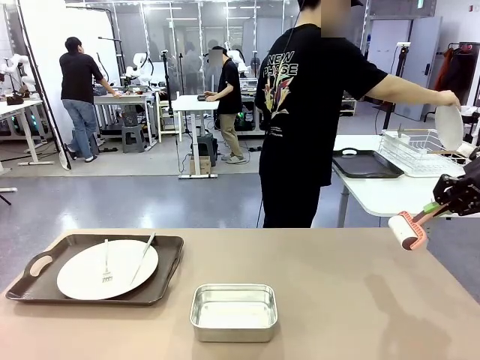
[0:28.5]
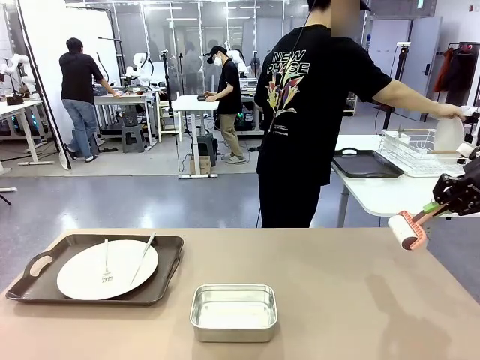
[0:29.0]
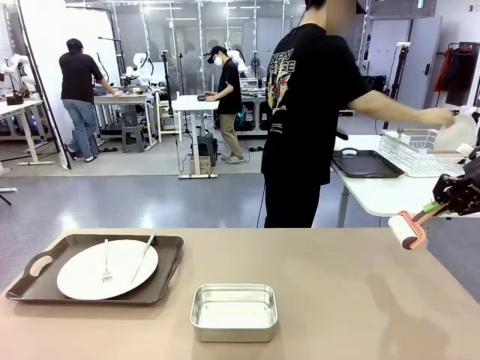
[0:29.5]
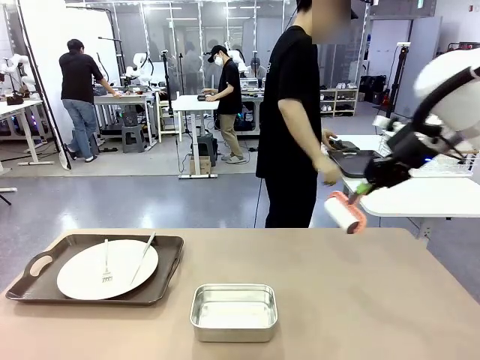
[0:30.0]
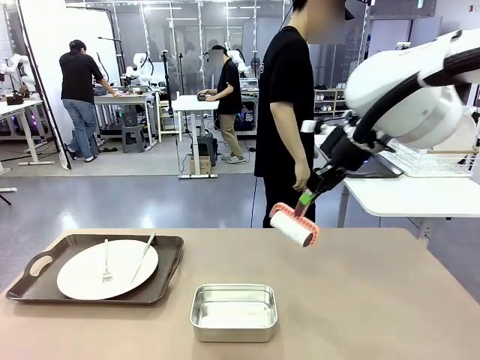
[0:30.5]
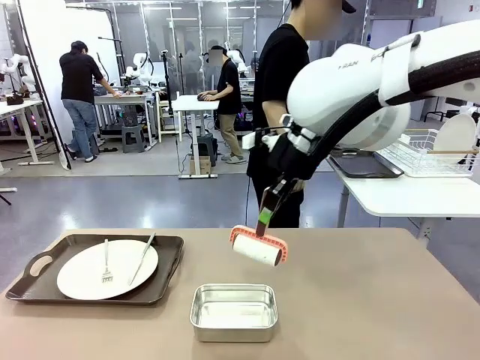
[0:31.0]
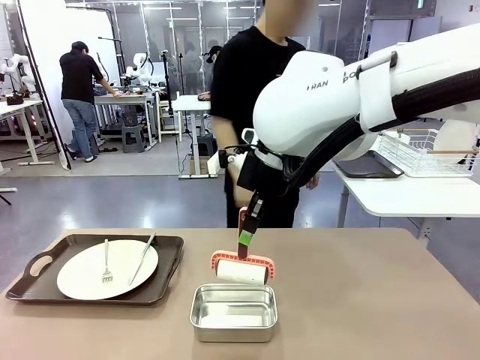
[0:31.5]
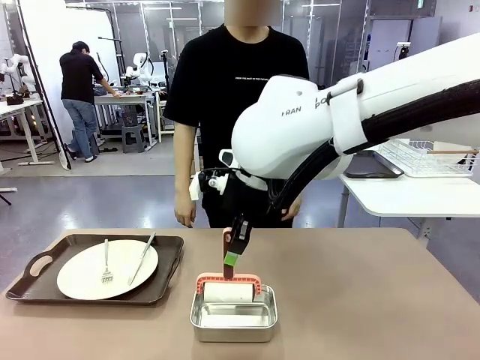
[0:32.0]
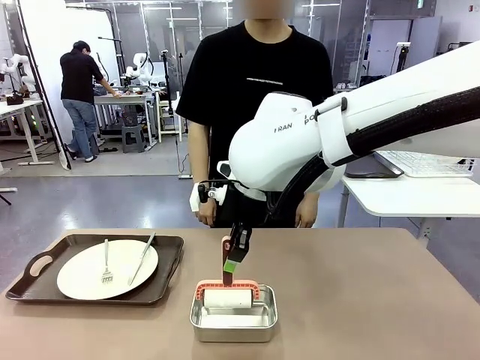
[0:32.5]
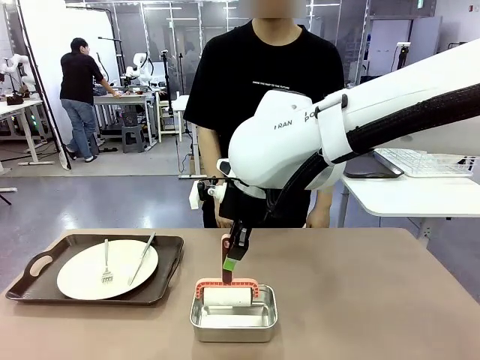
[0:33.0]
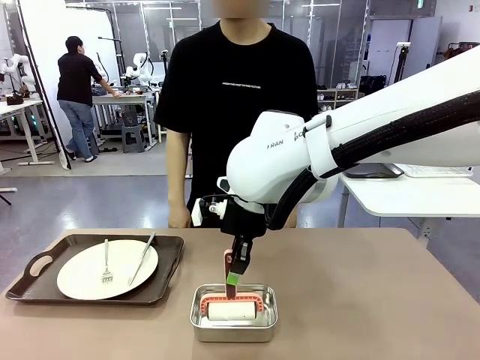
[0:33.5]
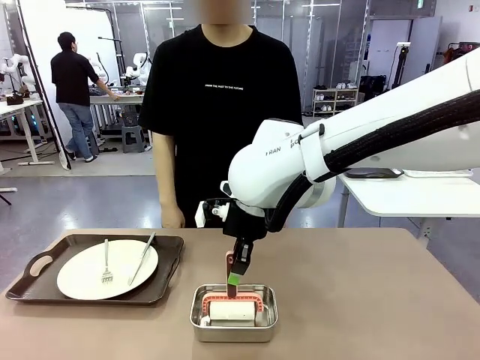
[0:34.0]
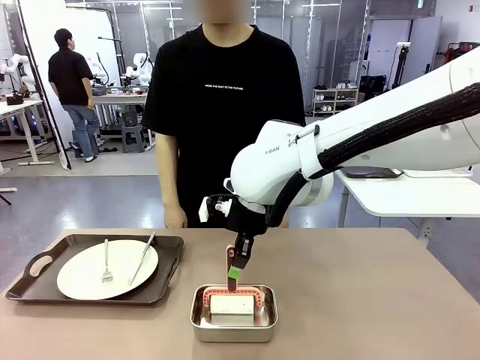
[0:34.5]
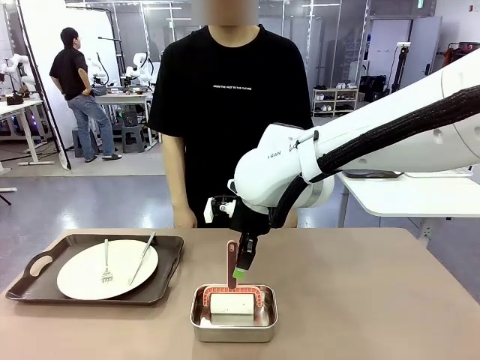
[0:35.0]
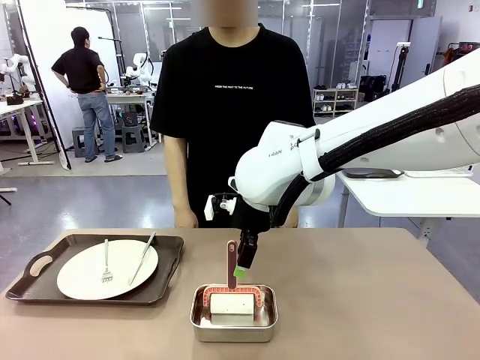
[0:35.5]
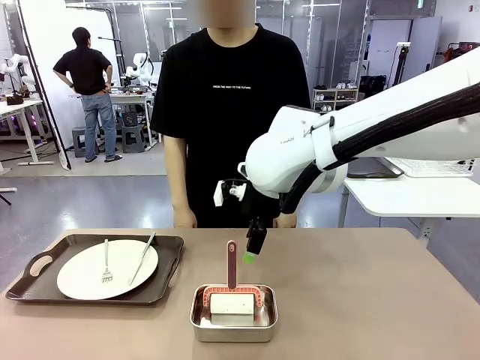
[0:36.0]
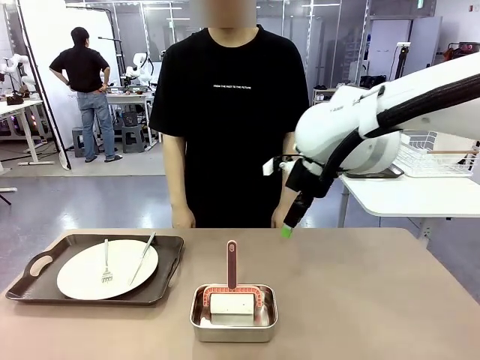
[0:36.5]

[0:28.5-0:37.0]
Robot: Place the Lint Roller back on top of the Airtight Container.

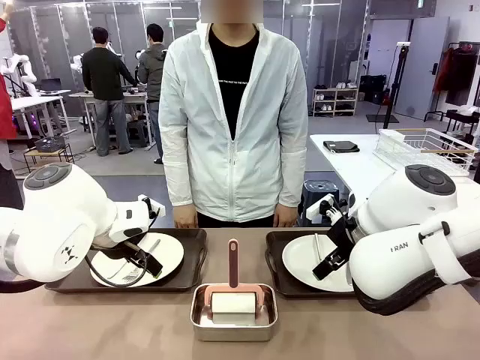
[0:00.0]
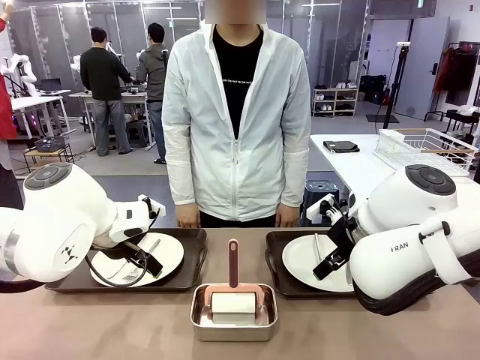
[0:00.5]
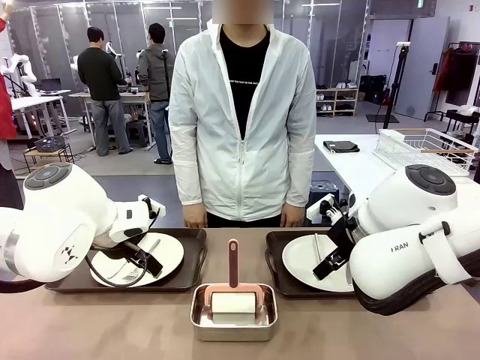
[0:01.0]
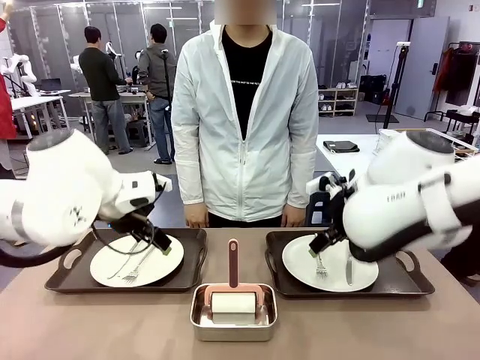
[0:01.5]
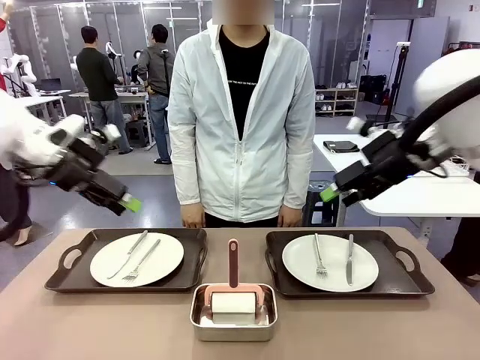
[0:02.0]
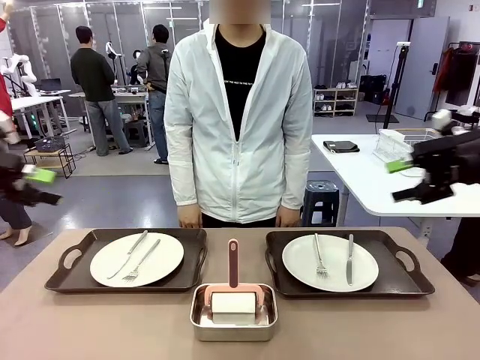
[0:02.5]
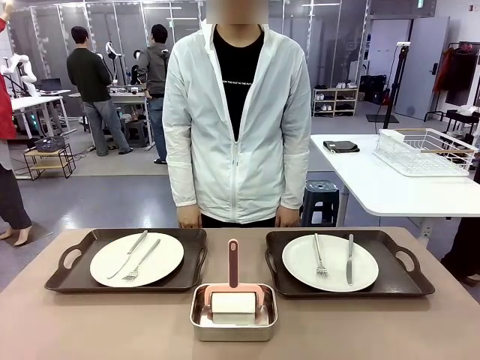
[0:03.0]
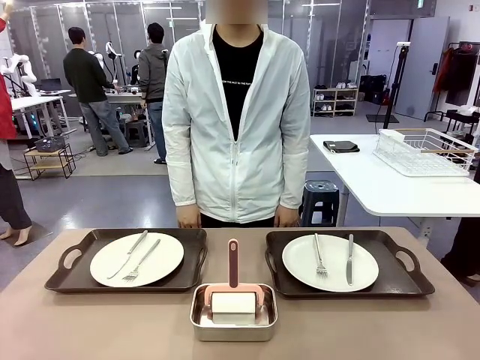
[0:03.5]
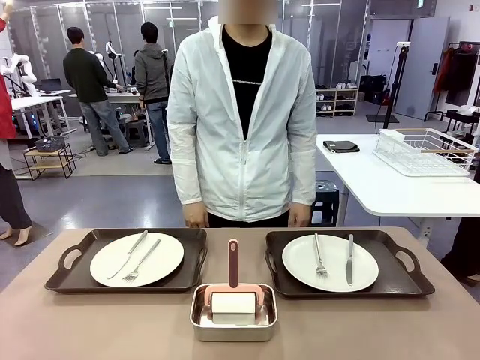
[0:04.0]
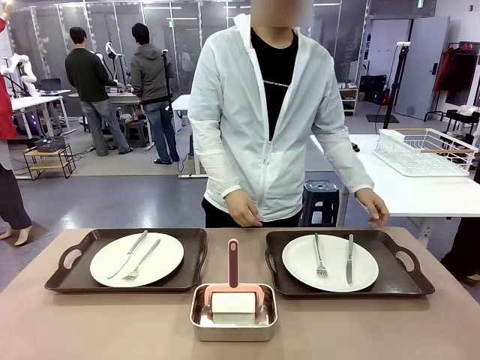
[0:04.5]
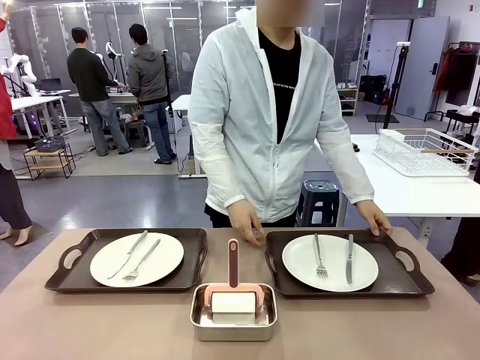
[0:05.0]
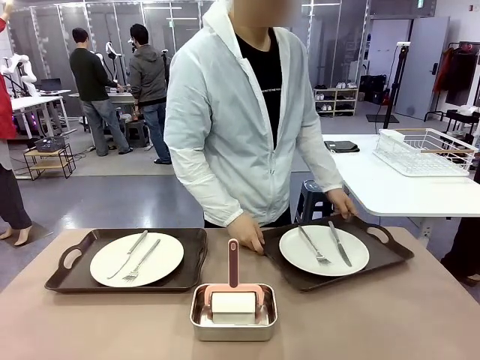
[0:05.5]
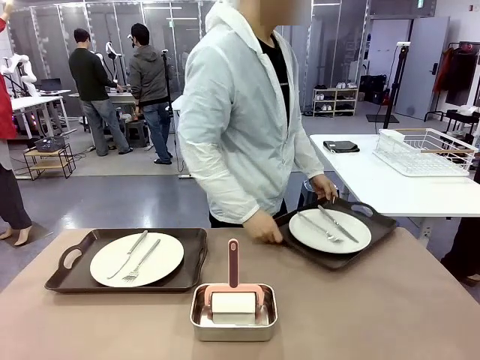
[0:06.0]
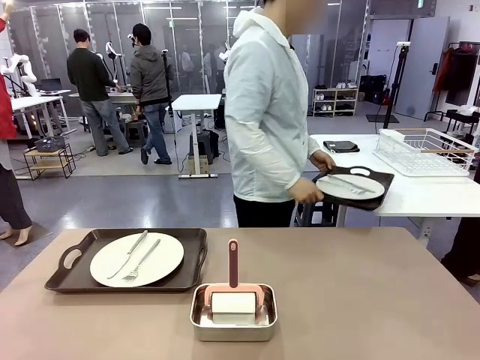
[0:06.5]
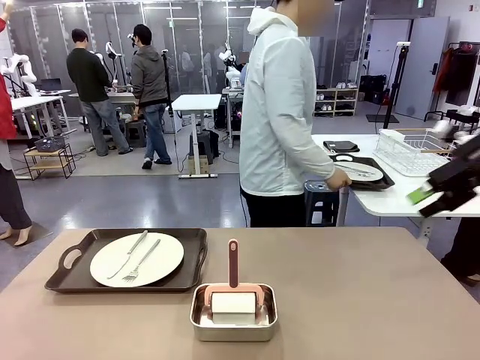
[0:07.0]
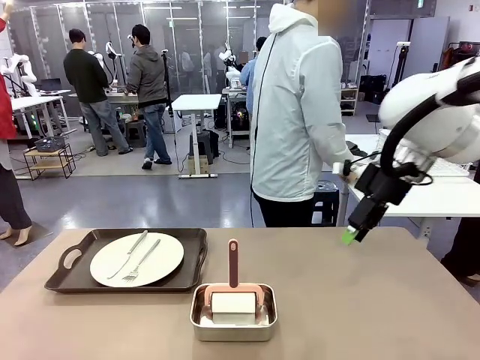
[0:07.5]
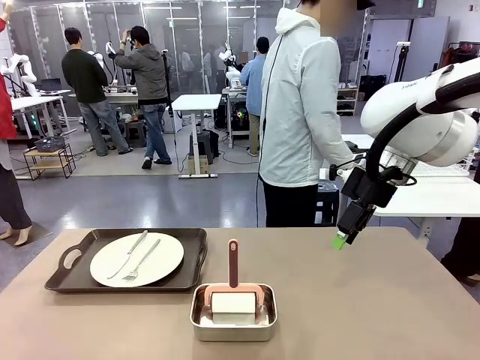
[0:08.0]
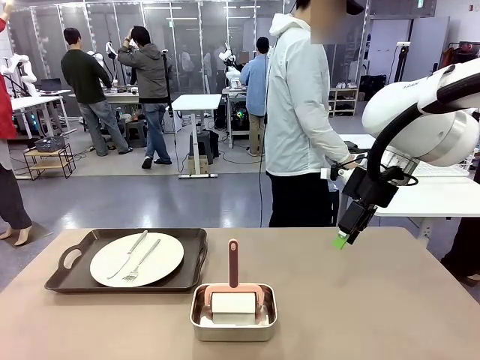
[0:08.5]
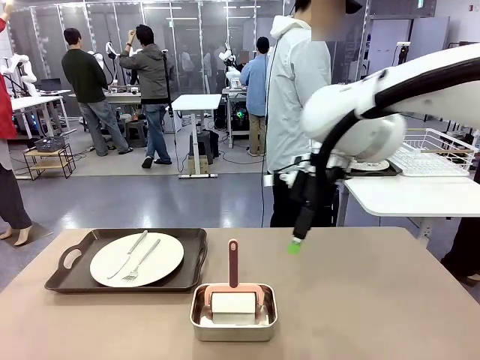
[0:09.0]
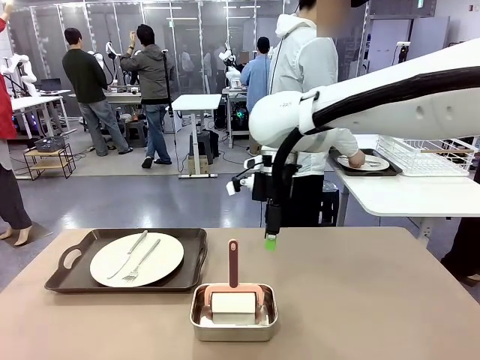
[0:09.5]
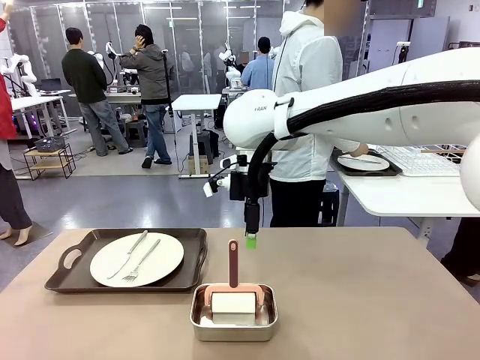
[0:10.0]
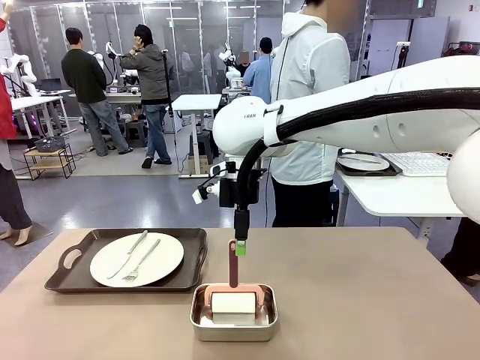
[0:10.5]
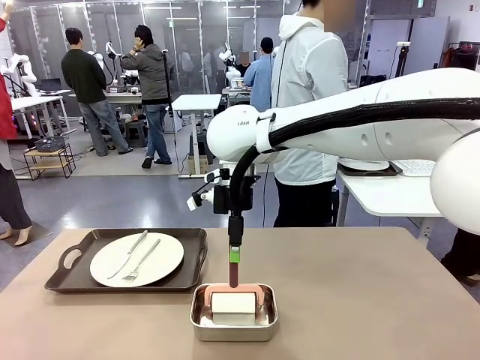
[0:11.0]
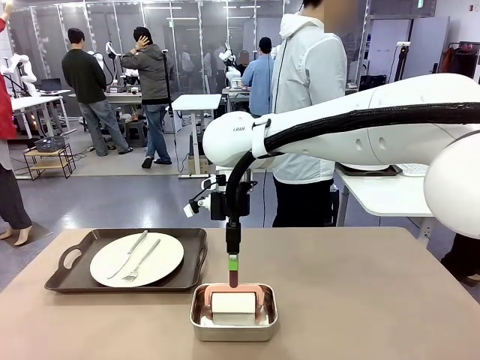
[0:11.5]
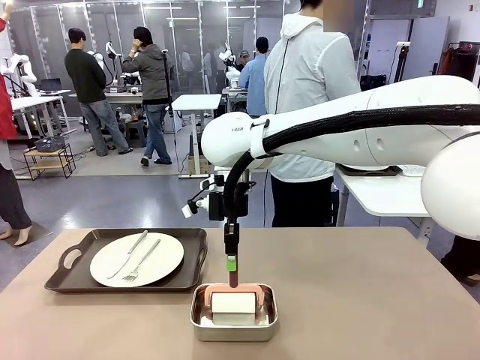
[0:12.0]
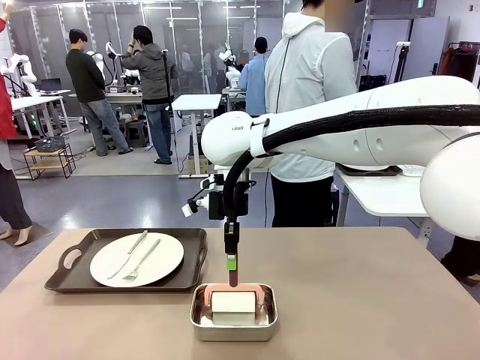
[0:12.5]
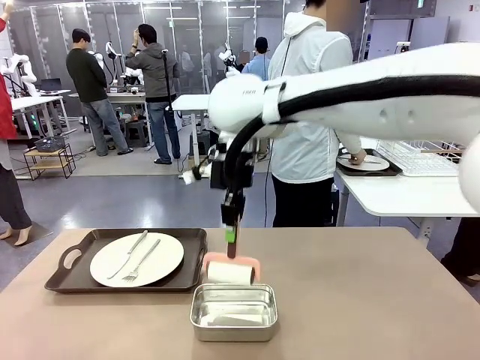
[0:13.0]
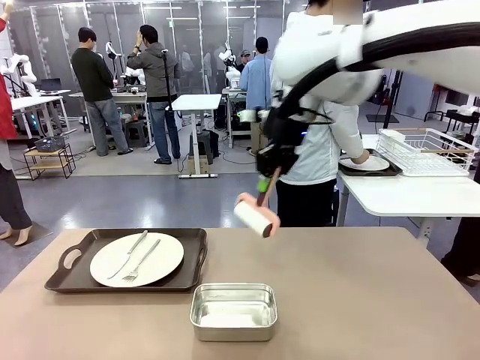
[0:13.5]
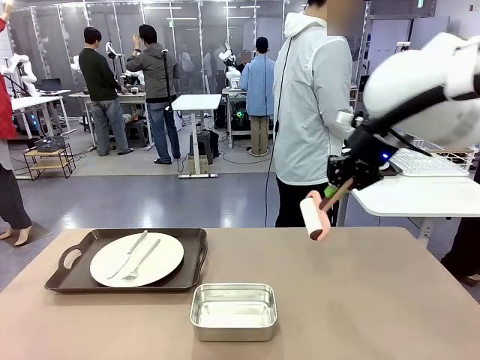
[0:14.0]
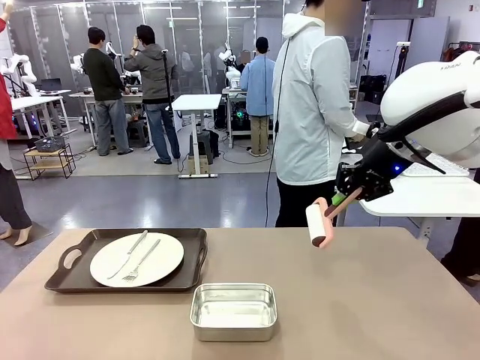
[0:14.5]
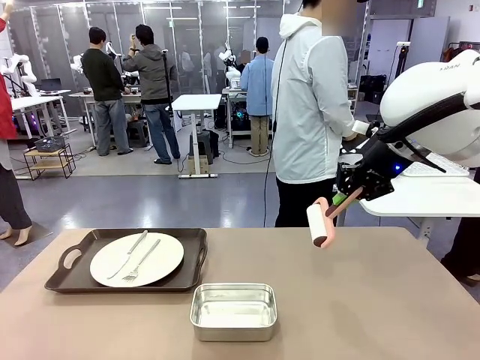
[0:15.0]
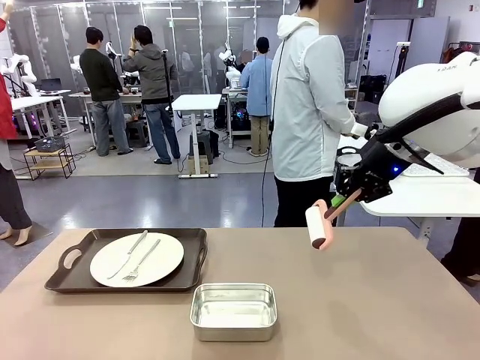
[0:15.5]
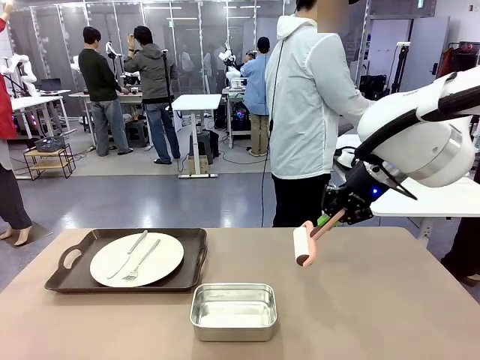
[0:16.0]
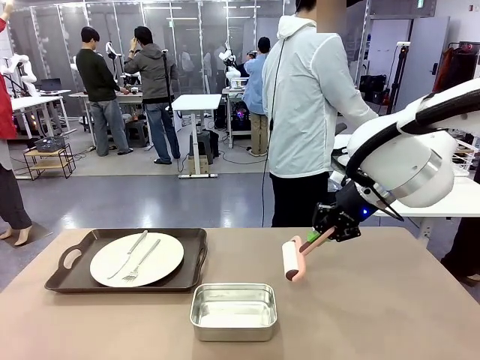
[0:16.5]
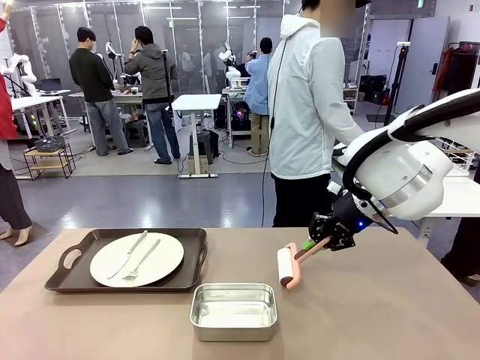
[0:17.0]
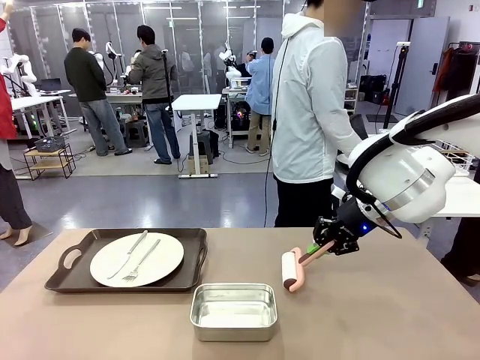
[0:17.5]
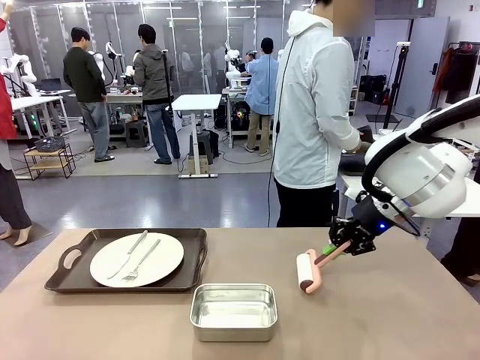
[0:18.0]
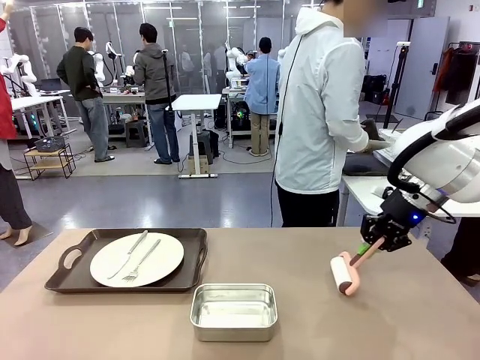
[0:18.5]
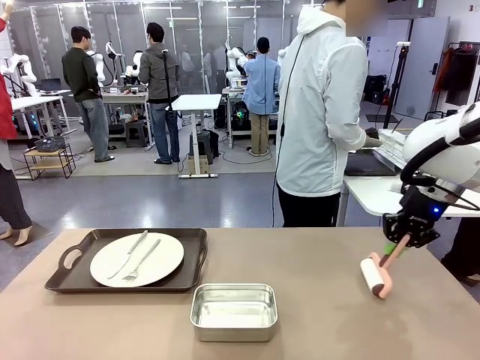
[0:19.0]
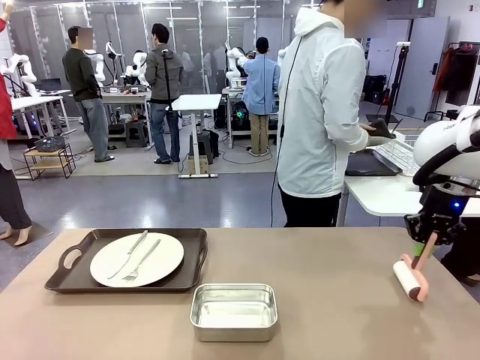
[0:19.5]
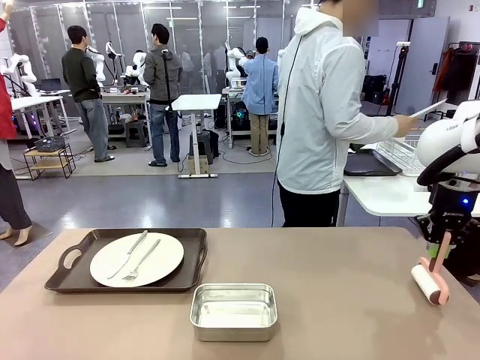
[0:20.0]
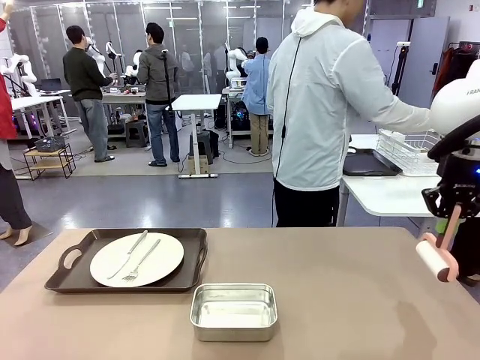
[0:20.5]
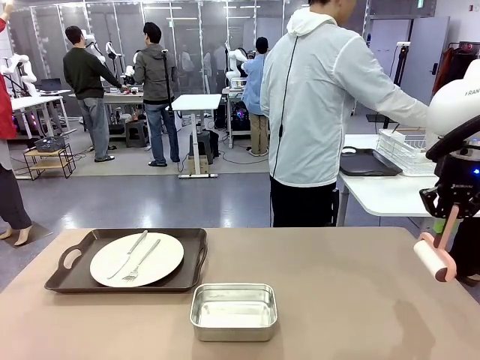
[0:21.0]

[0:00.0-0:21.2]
Robot: When the left (or right) Handle tray is removed, use the left hand (or right hand) to clean the left (or right) side of the table with the Lint Roller.
Person: Pick up the left (or right) Handle tray and place it on the middle of the Human's table. Use the Towel with hook to wipe the Plastic Matte Plate , Fork , and Knife and place into the Dish drying rack.
